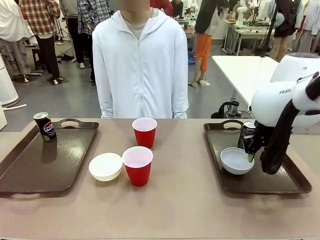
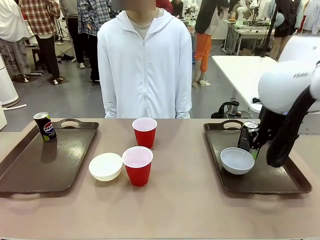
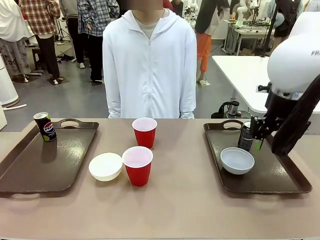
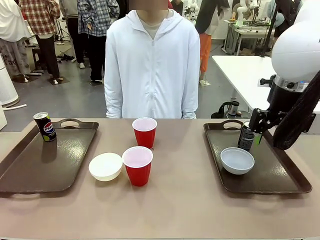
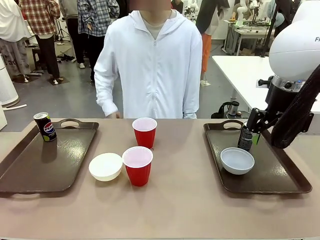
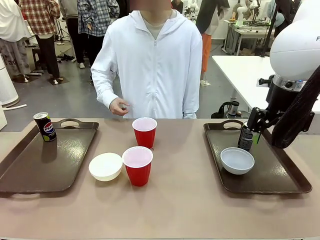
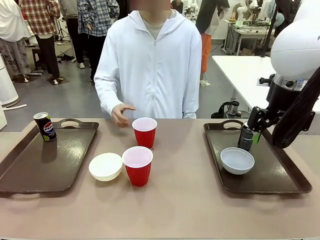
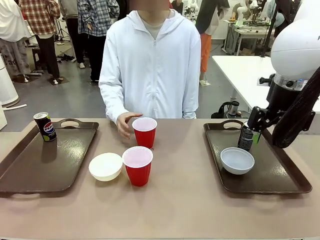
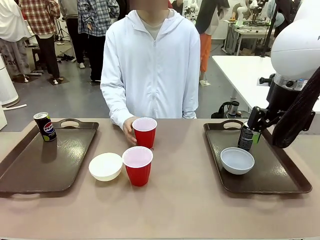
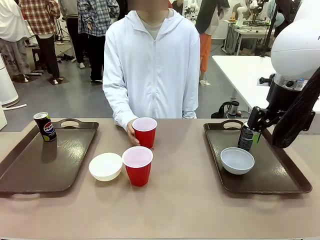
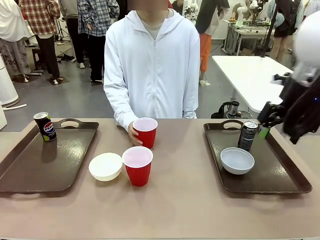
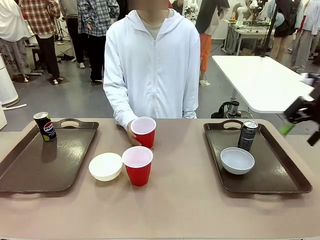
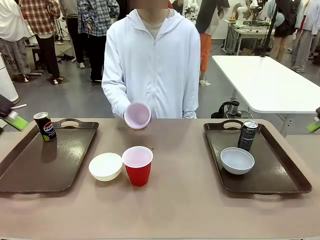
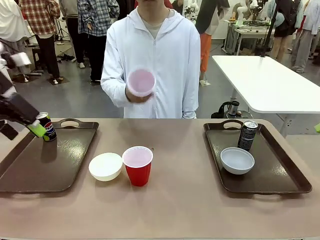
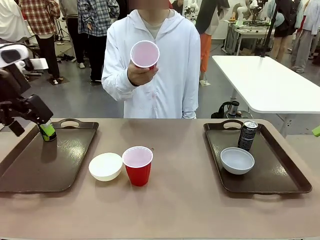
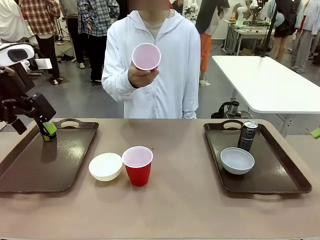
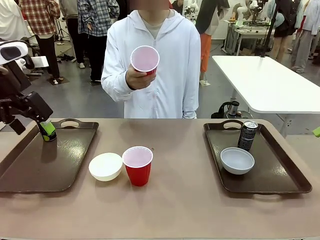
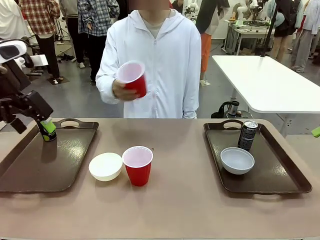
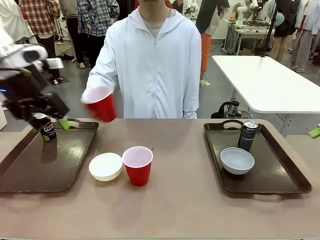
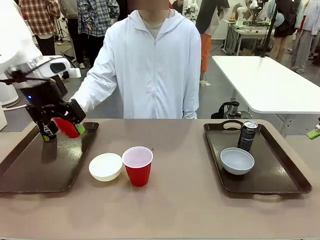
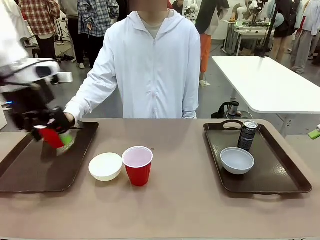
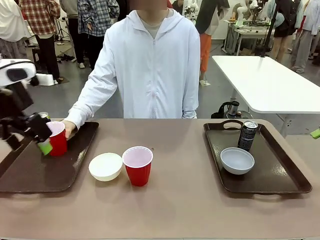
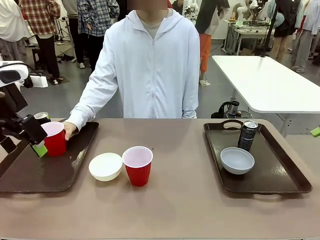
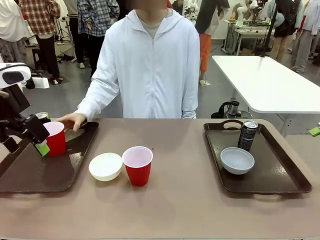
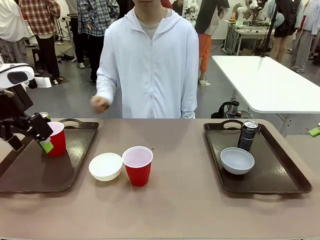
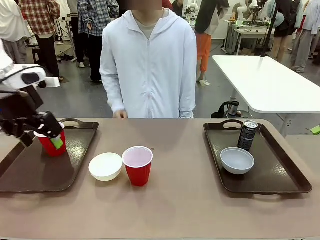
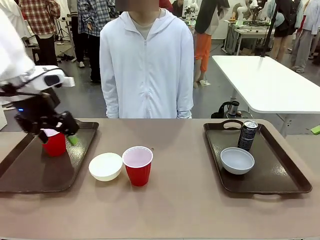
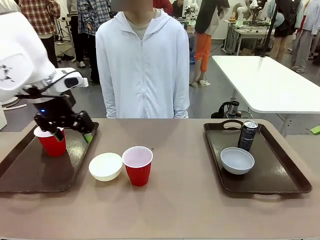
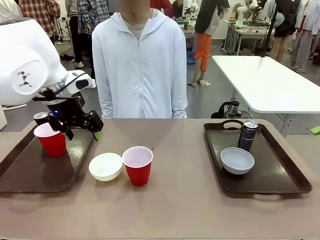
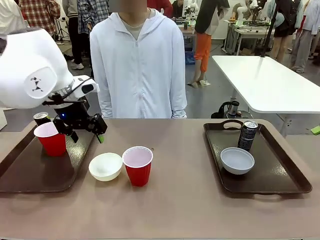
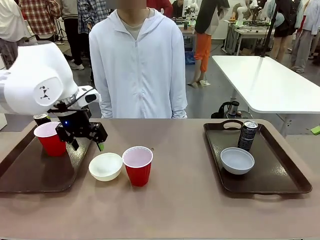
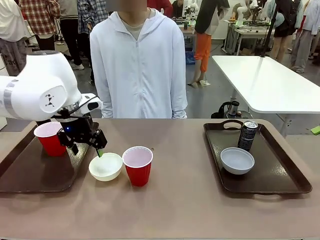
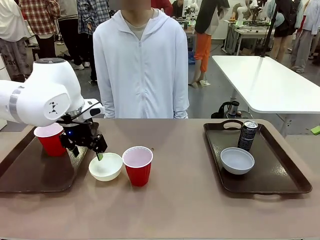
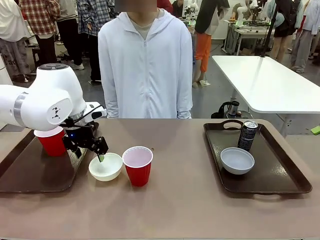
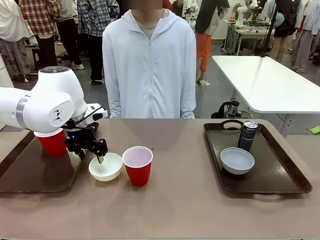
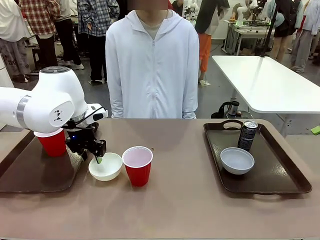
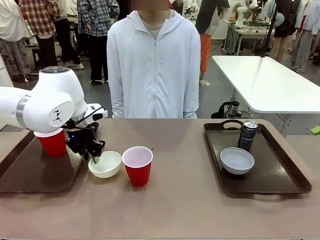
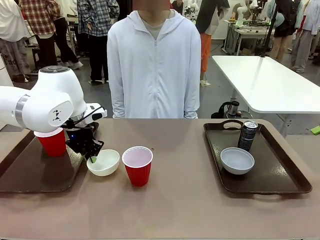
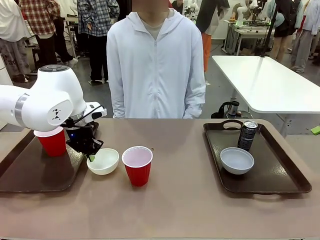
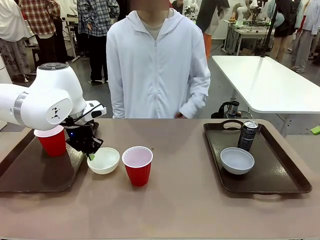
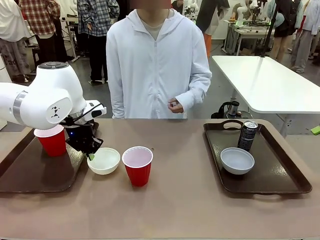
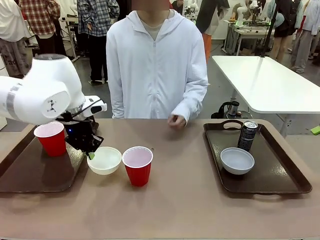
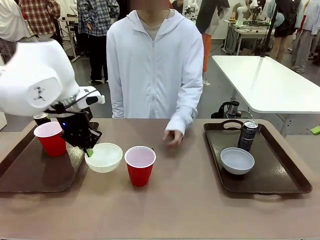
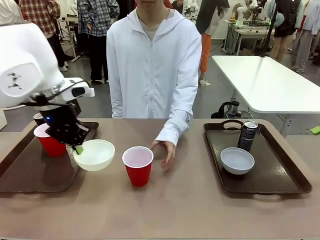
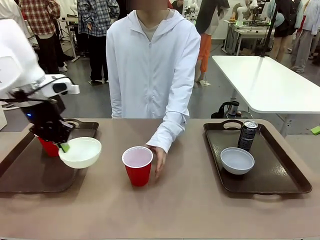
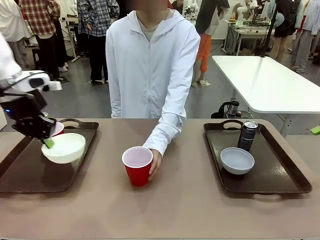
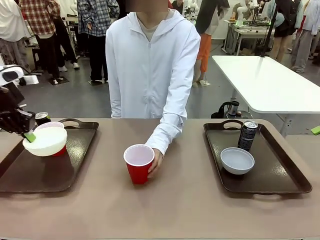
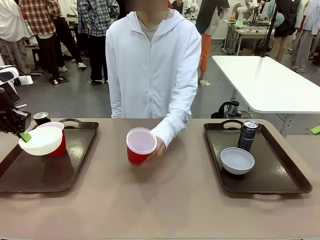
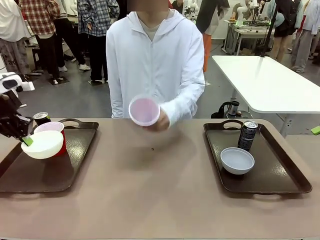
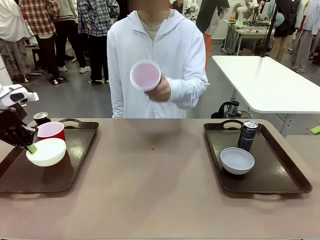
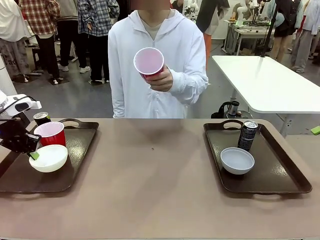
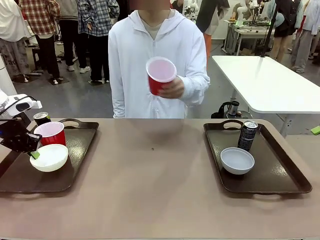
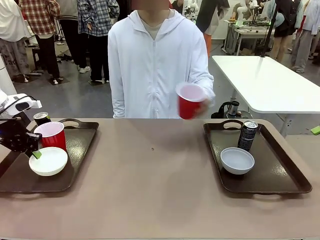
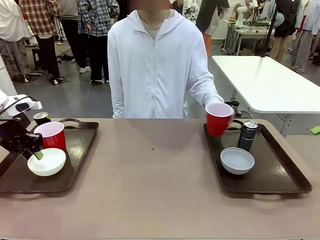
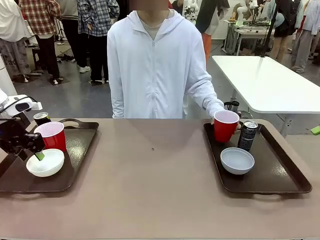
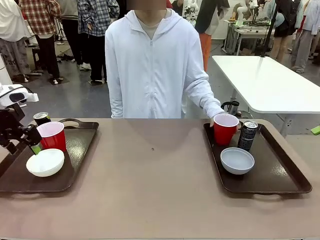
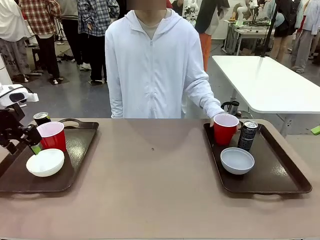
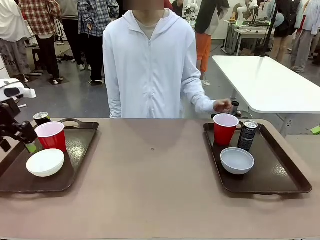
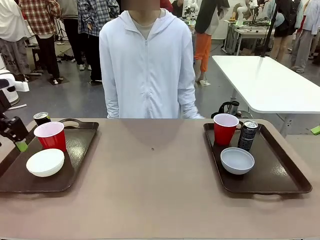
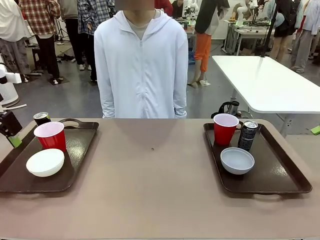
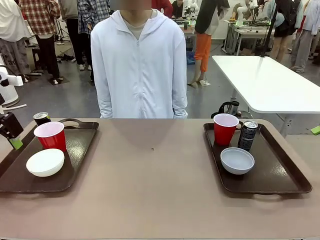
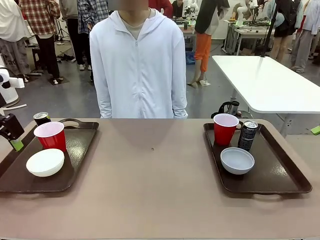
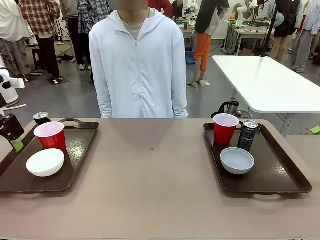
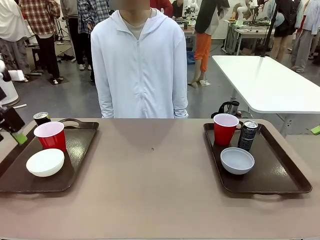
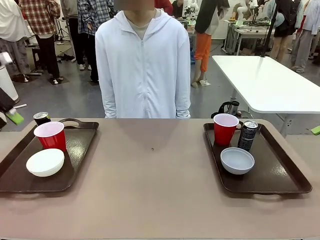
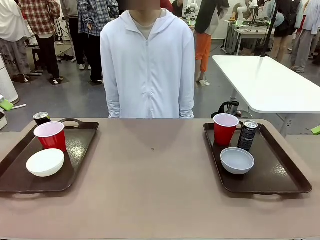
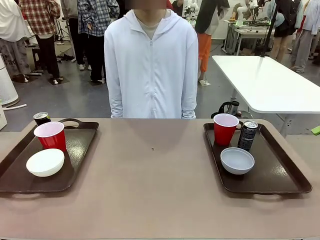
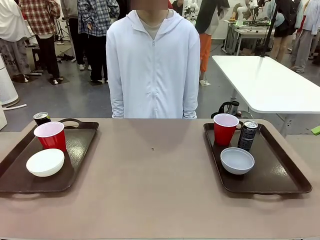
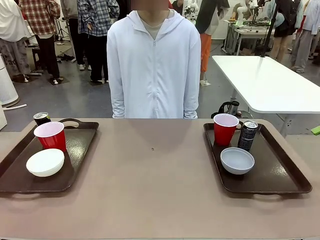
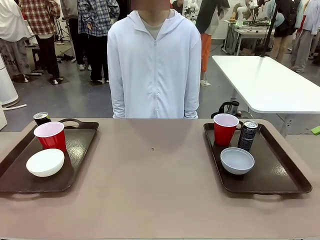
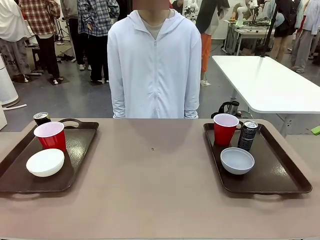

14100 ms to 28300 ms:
Task: Prepare tableware on both trays.
Robot: Pick up a Picnic Bowl from the table and place it on a Handle tray.
Person: Pick up a can or cup and place it on the tray without a can or cup.

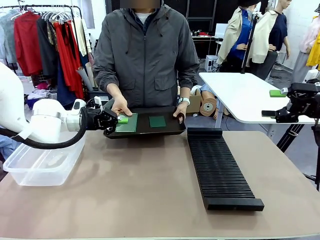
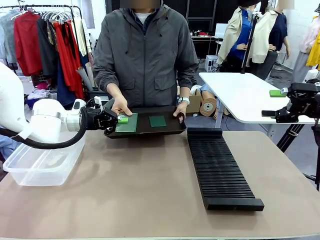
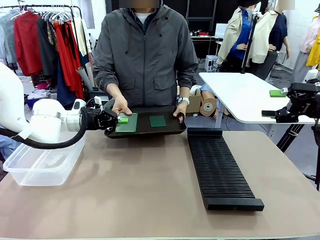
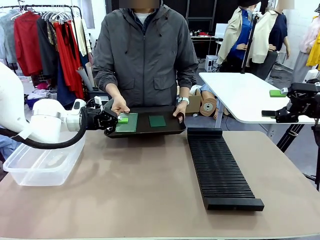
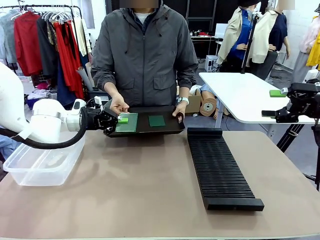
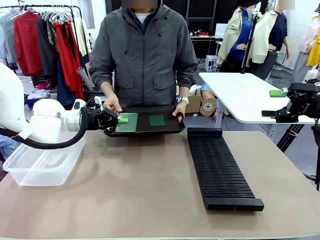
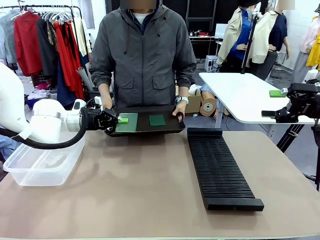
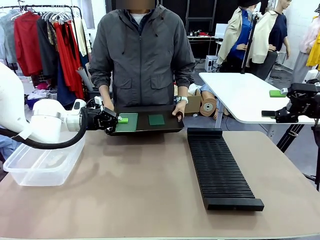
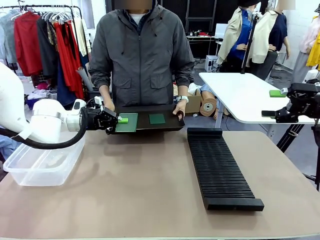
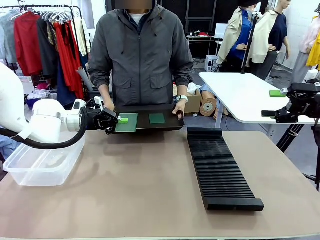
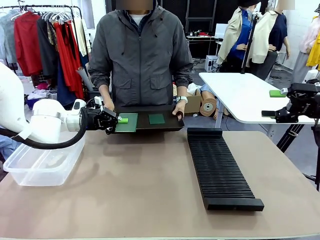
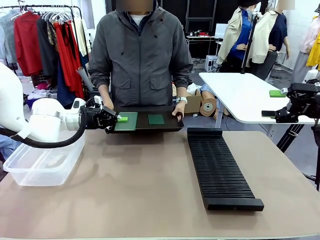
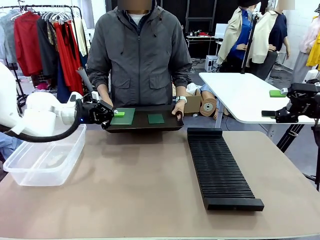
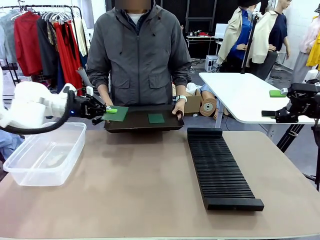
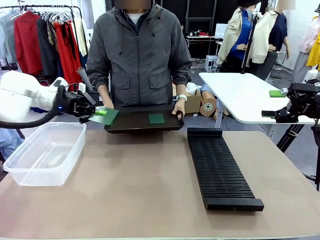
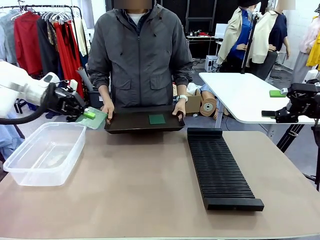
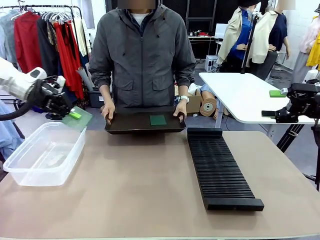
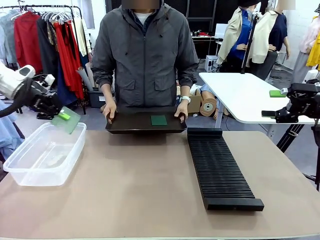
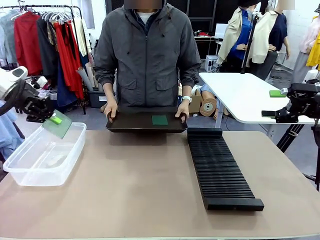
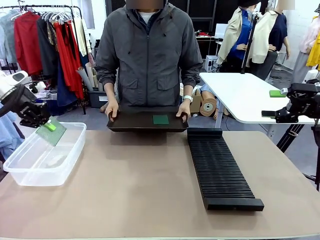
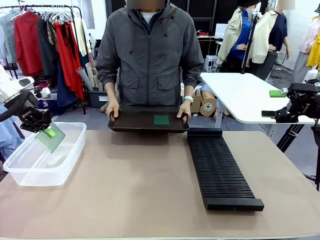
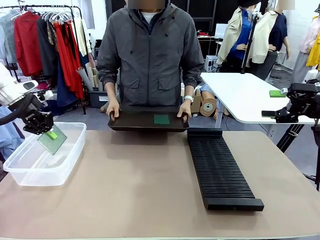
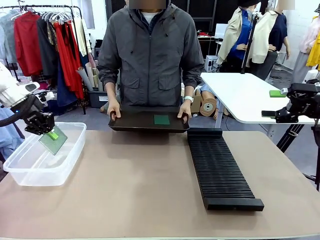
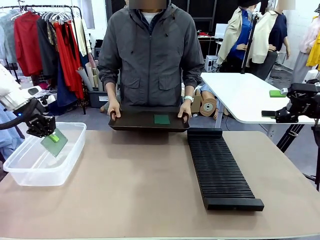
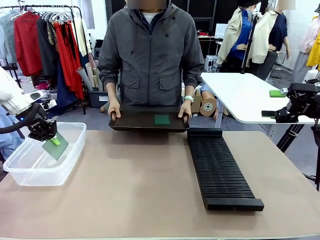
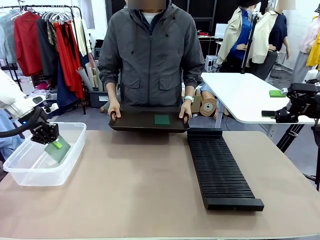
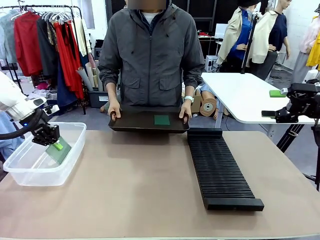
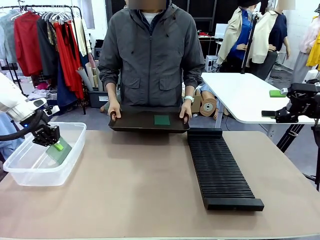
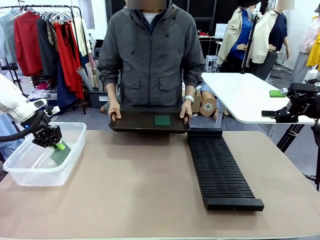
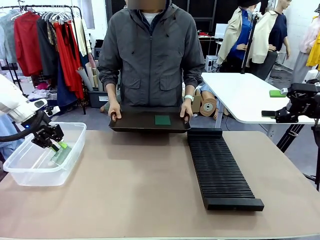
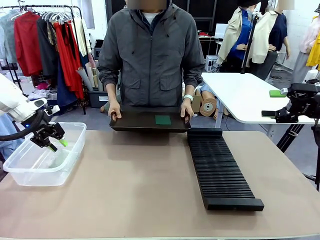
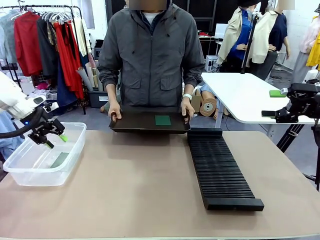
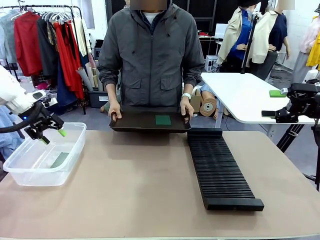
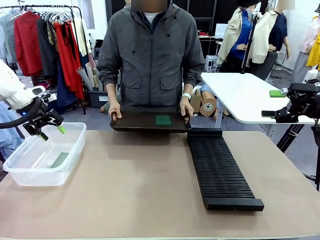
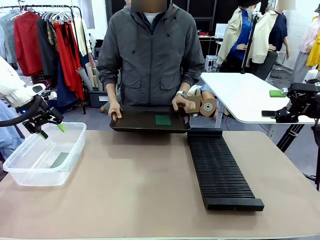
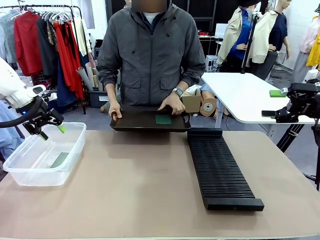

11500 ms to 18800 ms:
Task: Sort PCBs into racks and boxes based on the side picked up.
Robot: If the short side of the Blank PCB is picked up, insert it into the PCB Rack ; if the long side is picked up, place it in the Organizing box.
Person: Pick one PCB from the tray and present it to the robot.
